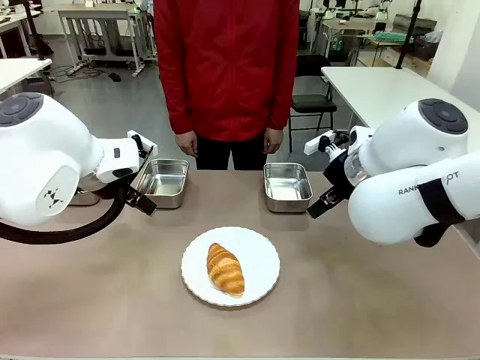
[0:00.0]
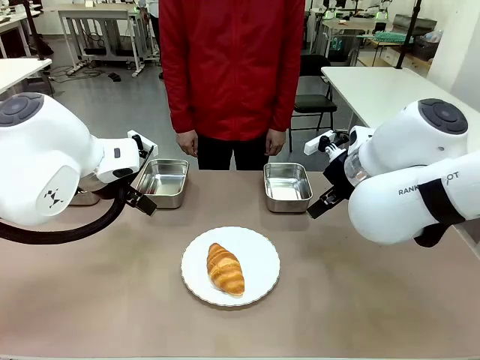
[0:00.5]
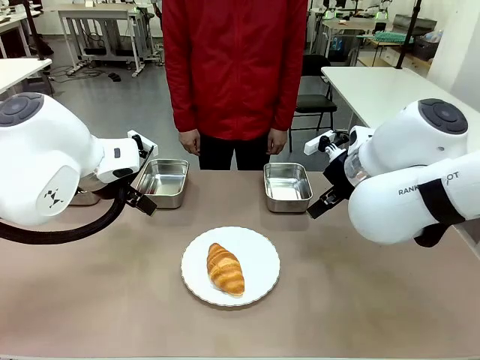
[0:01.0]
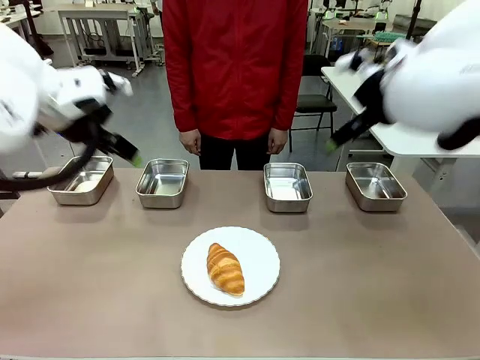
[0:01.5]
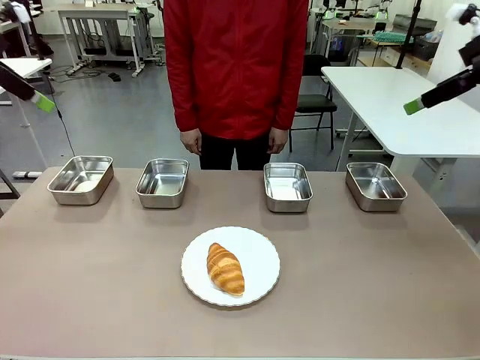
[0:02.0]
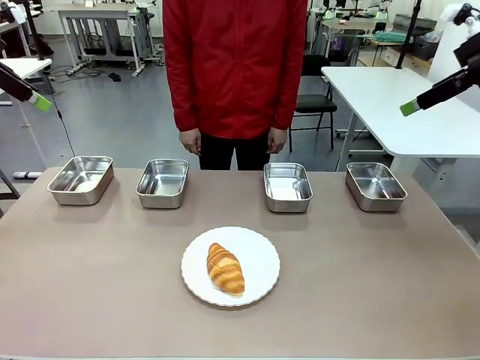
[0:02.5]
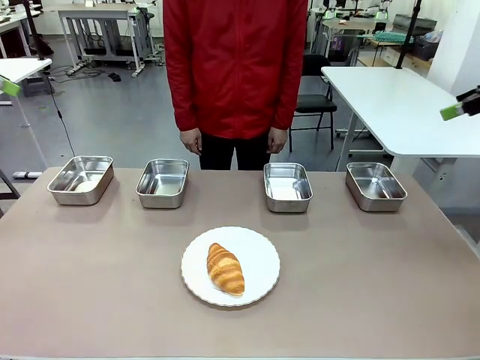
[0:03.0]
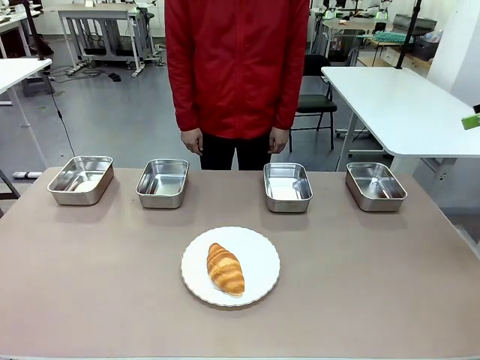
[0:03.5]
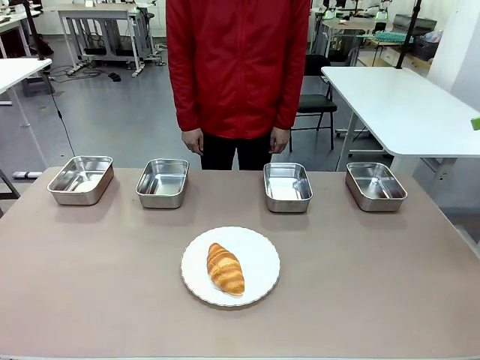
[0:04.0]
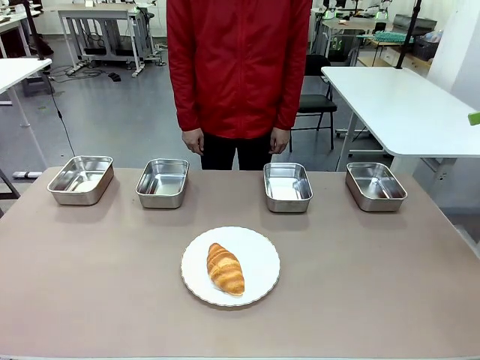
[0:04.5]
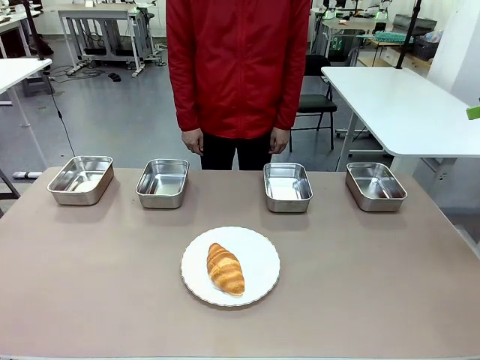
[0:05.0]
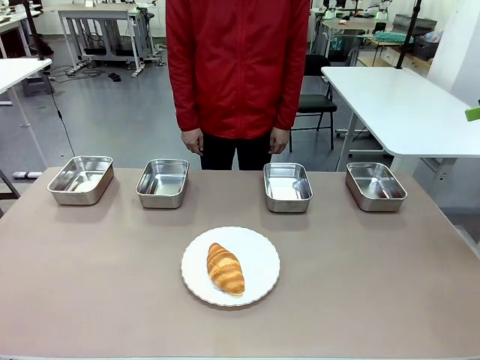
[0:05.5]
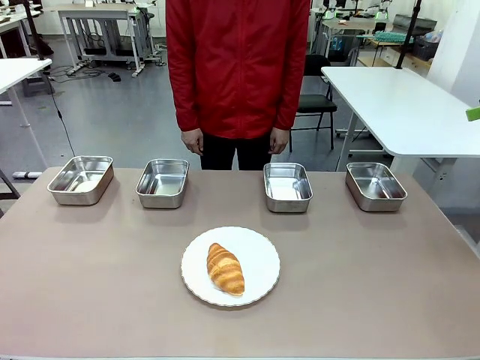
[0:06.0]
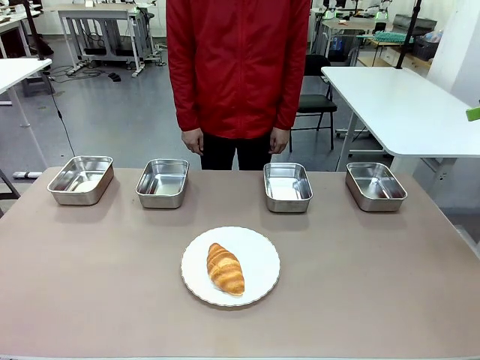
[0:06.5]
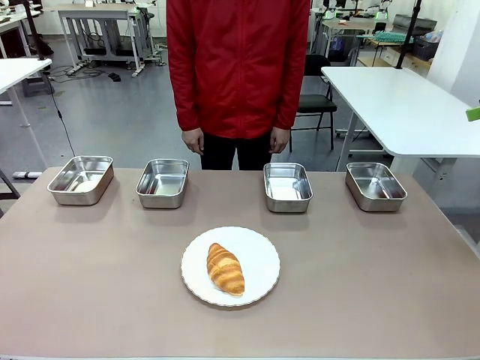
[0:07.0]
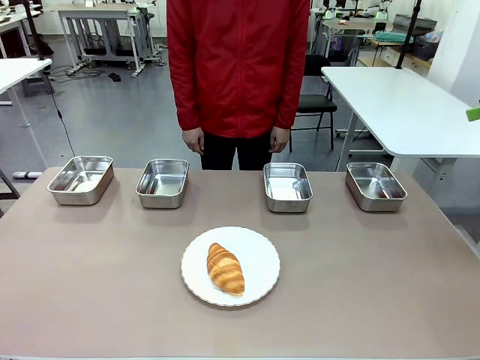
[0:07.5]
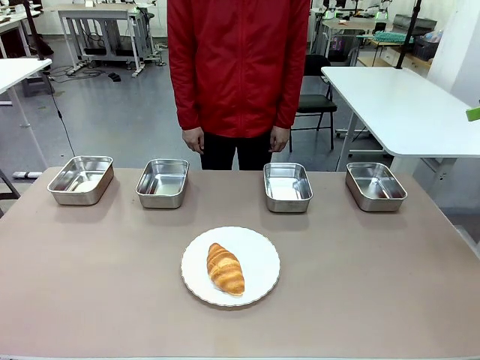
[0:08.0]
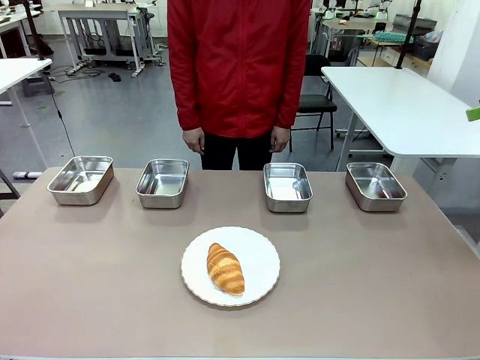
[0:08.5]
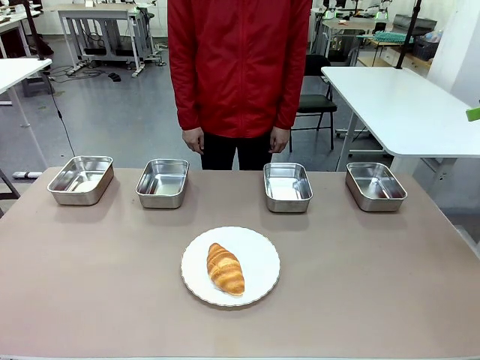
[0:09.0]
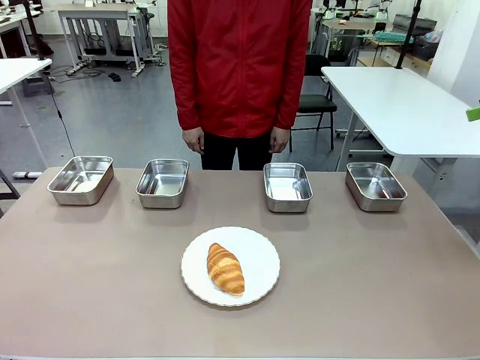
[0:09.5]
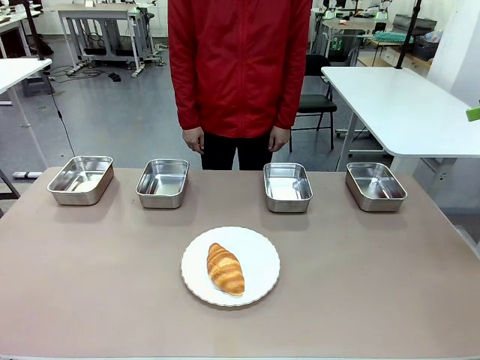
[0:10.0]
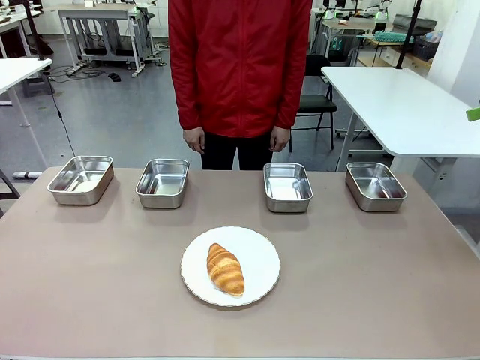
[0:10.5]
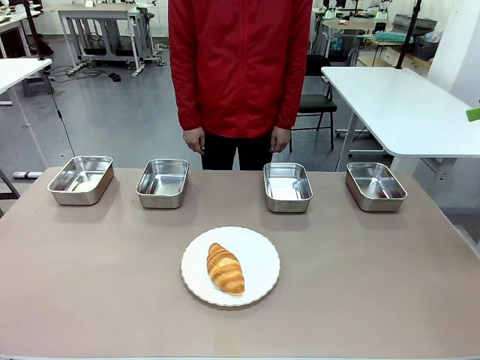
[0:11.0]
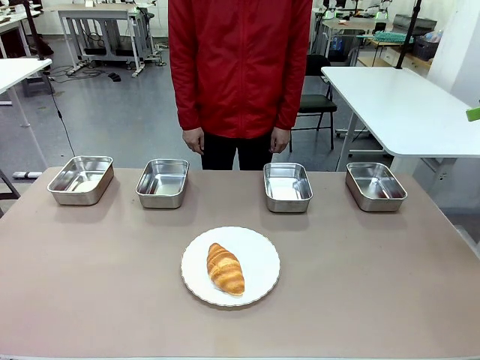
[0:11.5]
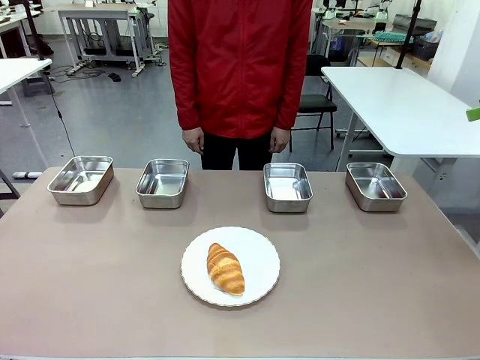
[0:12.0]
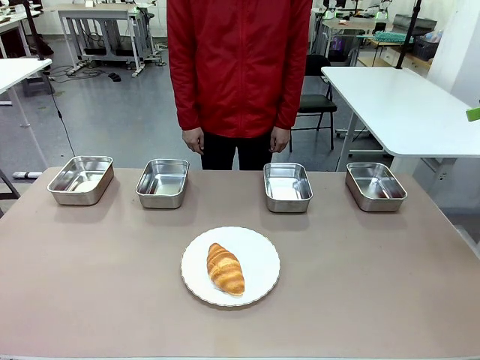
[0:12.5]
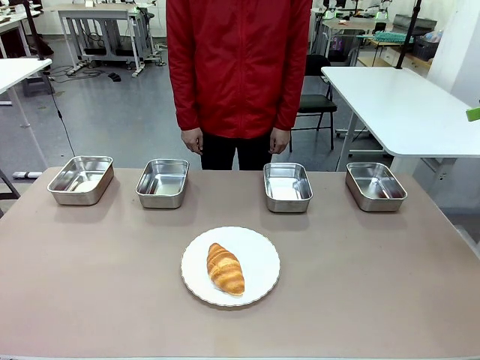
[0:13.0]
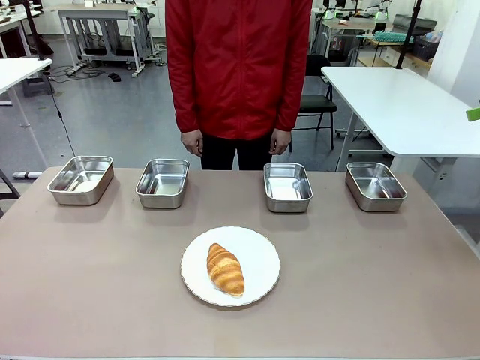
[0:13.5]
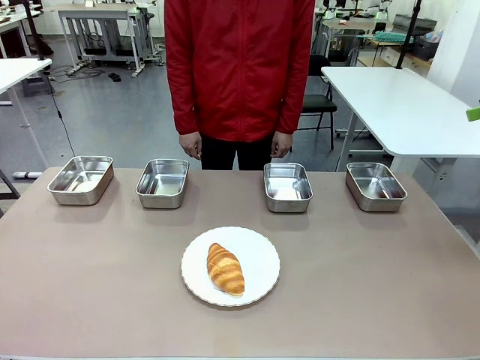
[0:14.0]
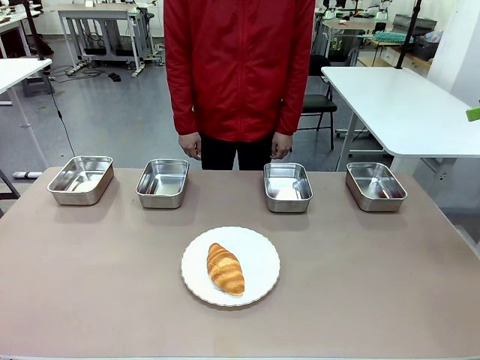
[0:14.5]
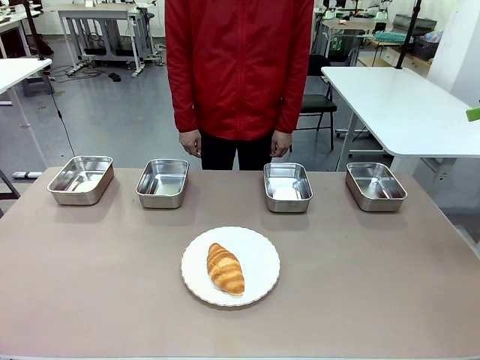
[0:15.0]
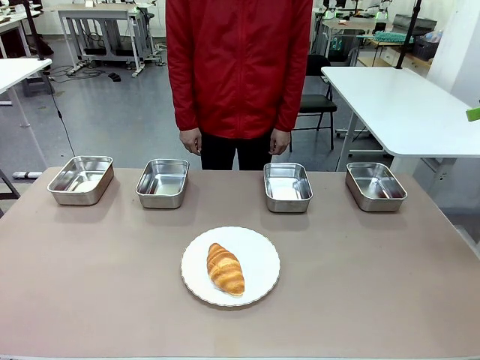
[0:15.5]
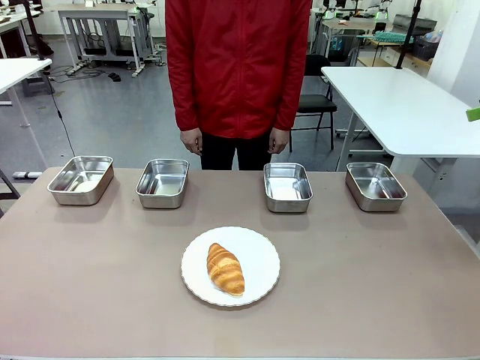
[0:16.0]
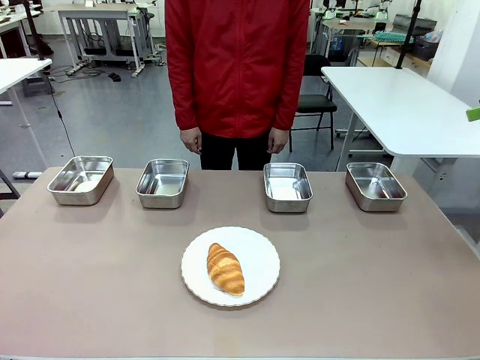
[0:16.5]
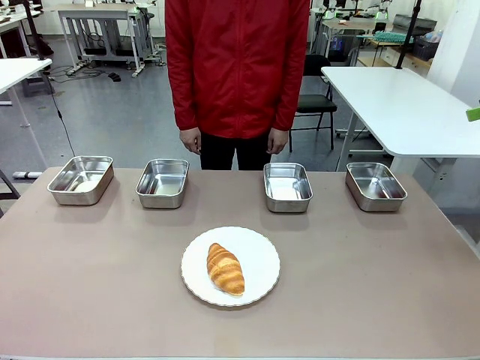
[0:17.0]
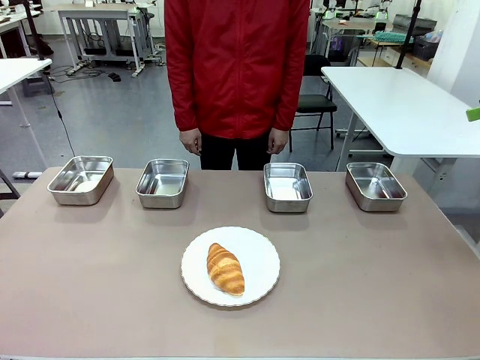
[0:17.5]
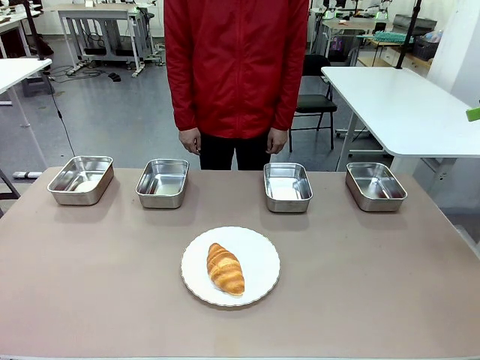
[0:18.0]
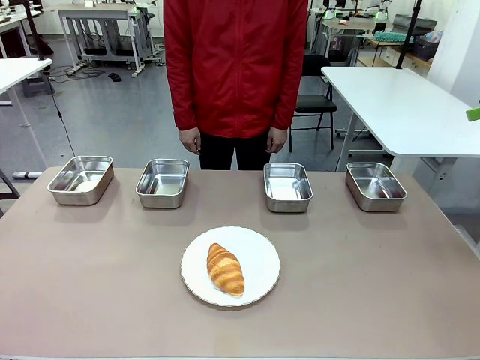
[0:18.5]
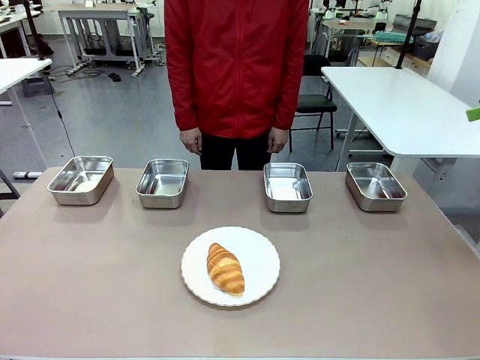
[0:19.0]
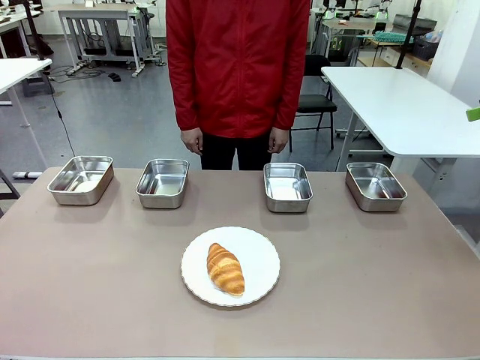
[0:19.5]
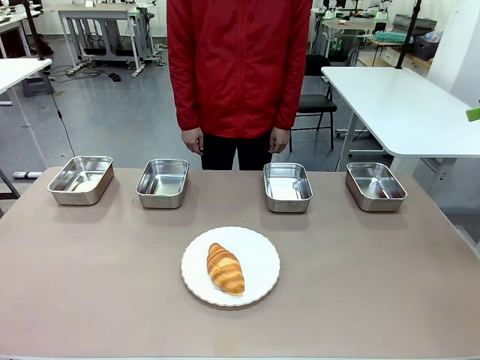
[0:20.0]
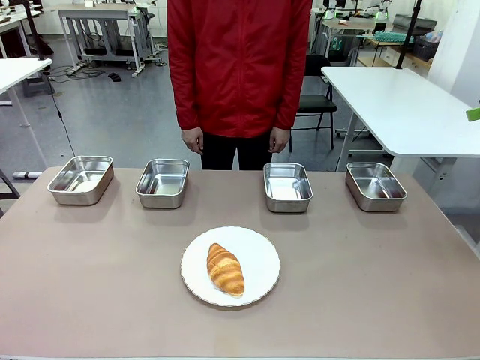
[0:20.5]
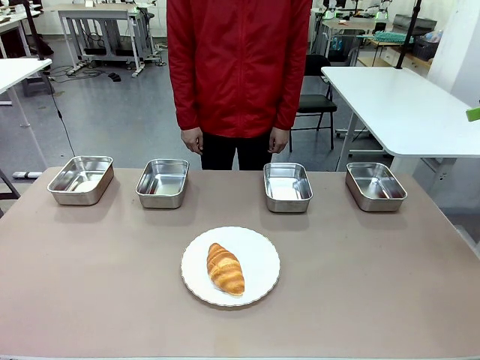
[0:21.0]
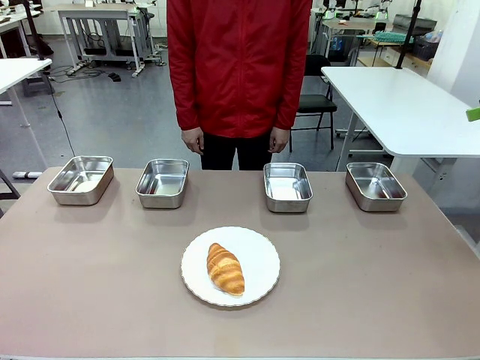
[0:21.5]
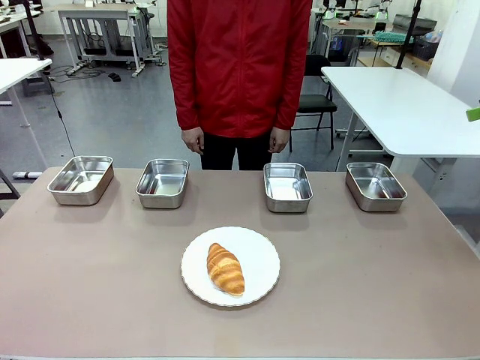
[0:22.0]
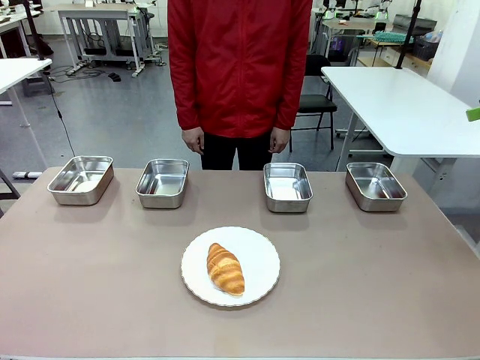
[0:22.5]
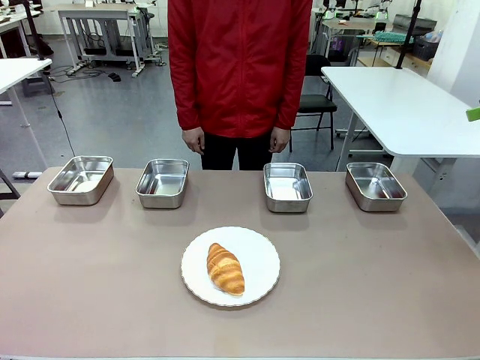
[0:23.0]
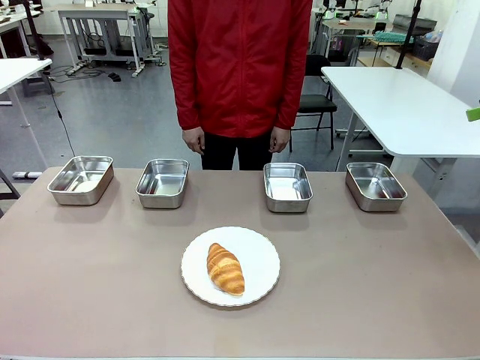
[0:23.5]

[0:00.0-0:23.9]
Task: Place the bread in the container.
Robot: Place the Butter Roll into the Airtight Container indicated by the human.
